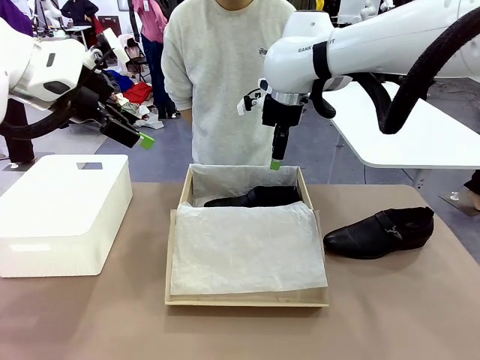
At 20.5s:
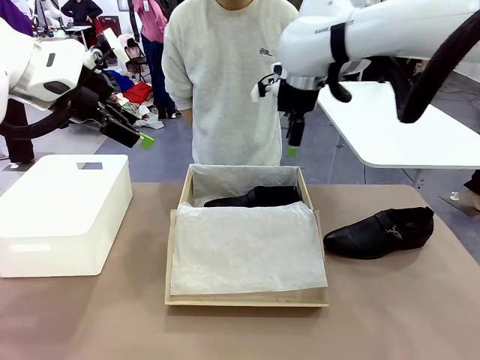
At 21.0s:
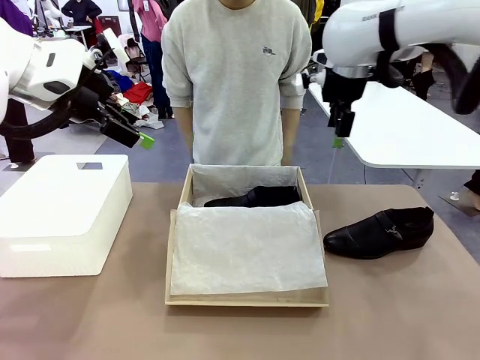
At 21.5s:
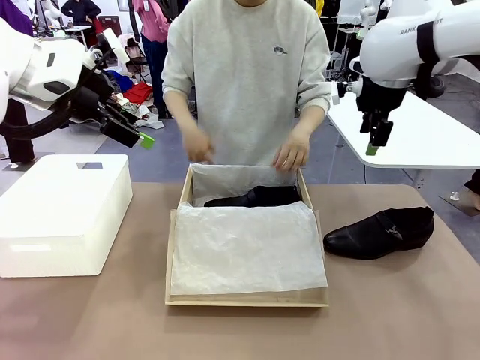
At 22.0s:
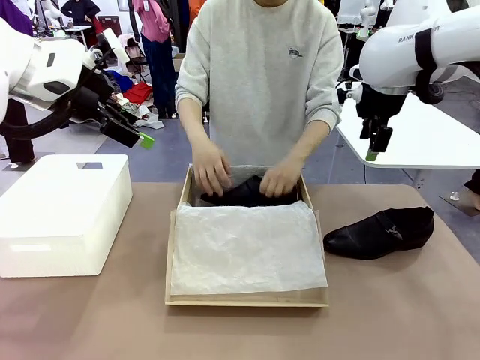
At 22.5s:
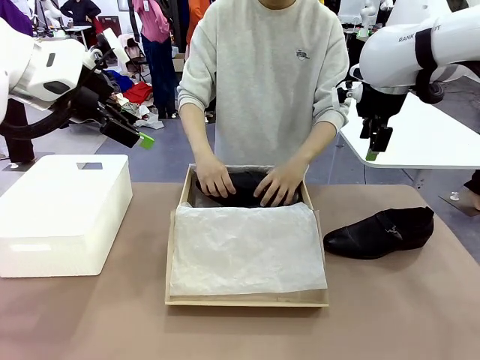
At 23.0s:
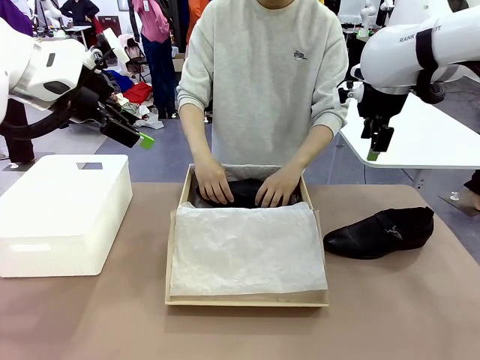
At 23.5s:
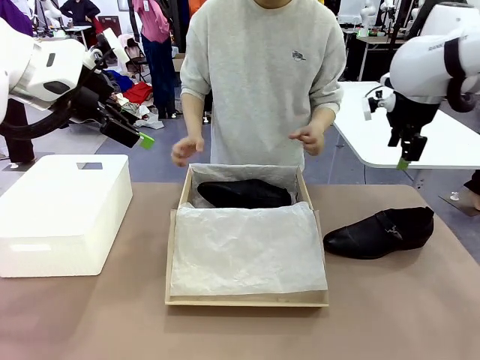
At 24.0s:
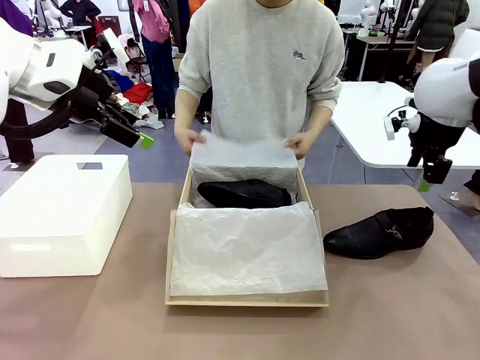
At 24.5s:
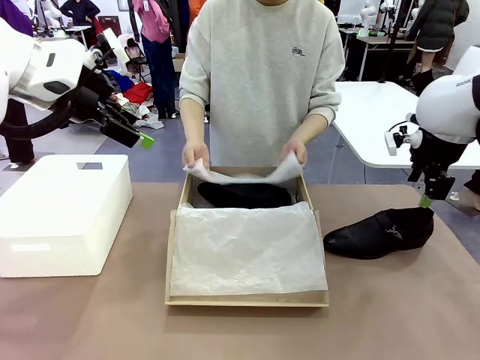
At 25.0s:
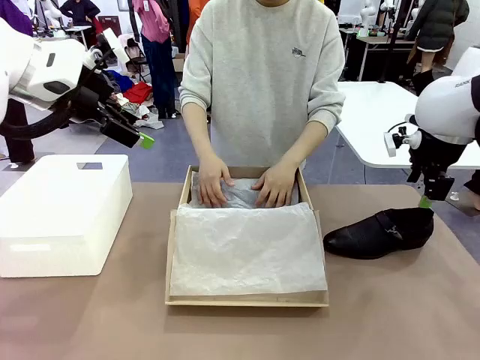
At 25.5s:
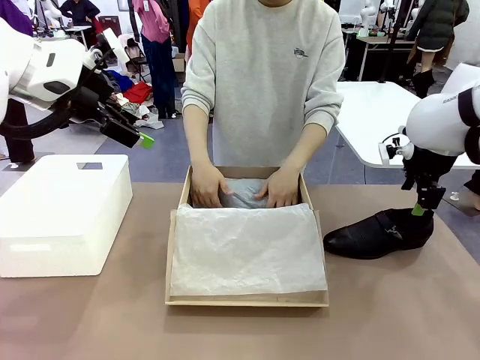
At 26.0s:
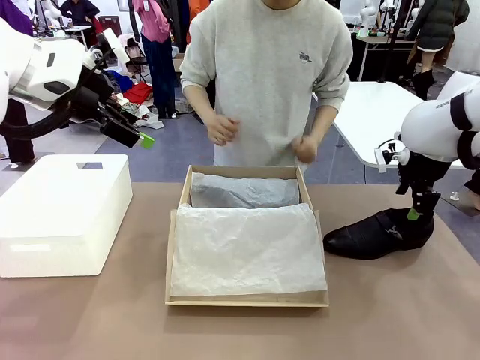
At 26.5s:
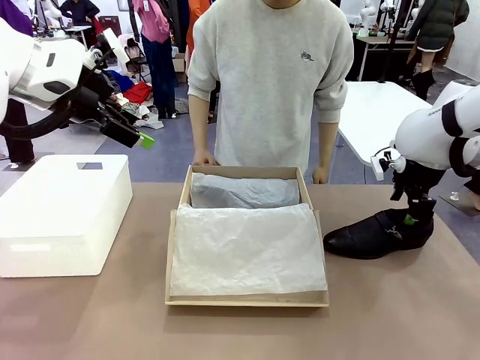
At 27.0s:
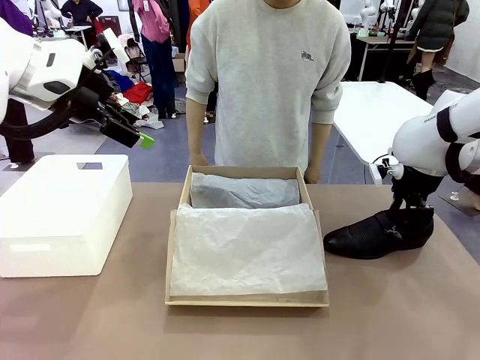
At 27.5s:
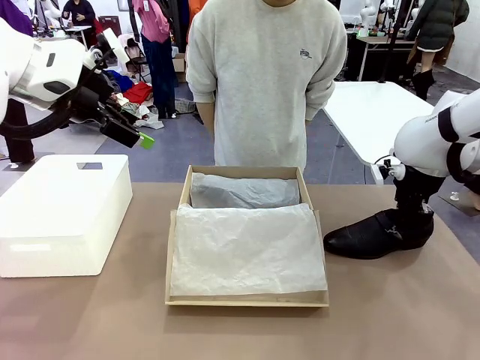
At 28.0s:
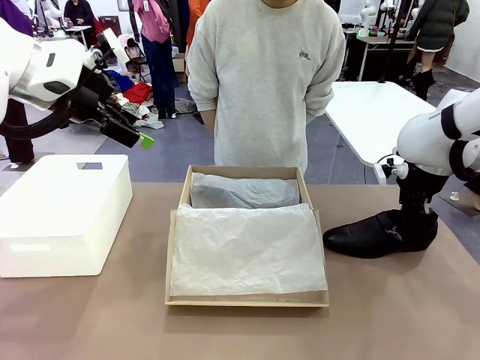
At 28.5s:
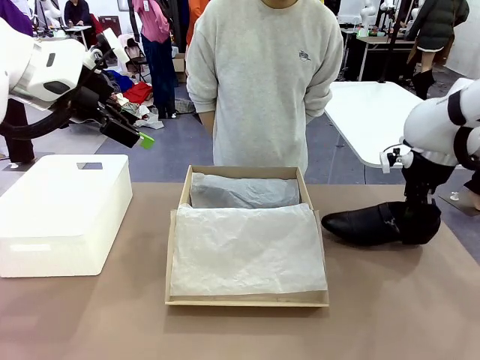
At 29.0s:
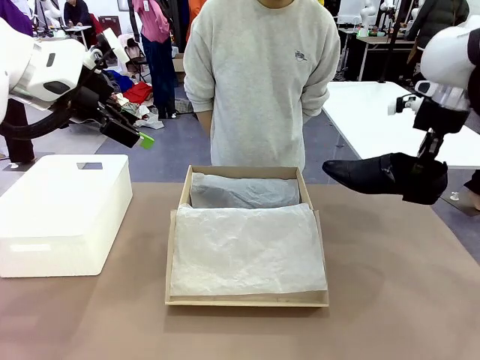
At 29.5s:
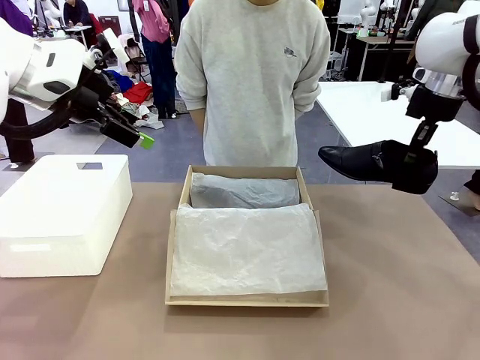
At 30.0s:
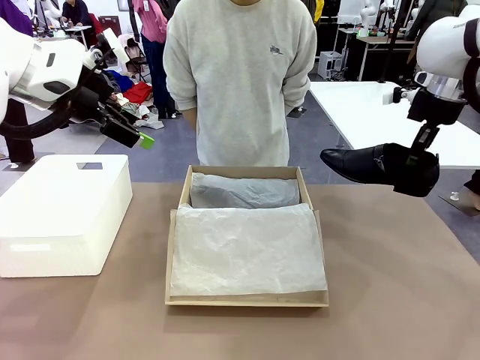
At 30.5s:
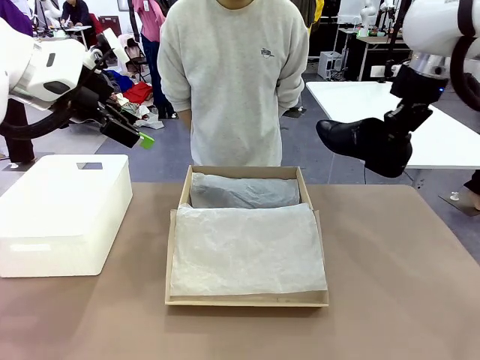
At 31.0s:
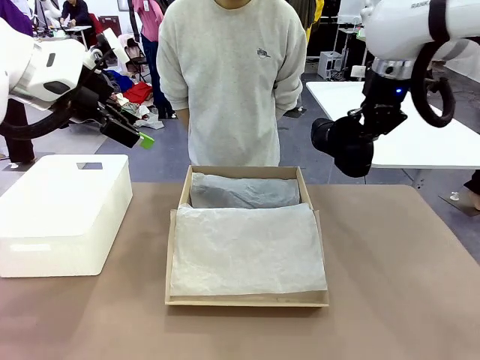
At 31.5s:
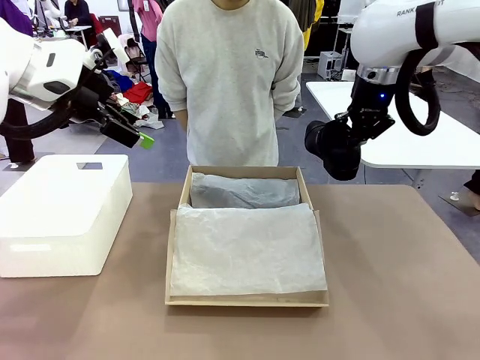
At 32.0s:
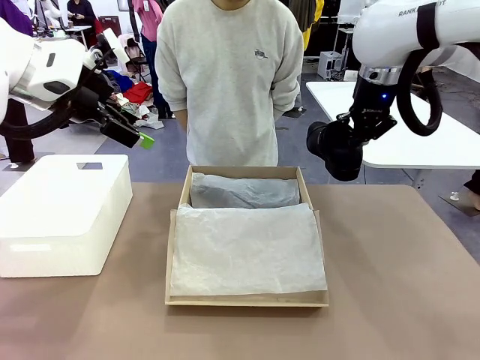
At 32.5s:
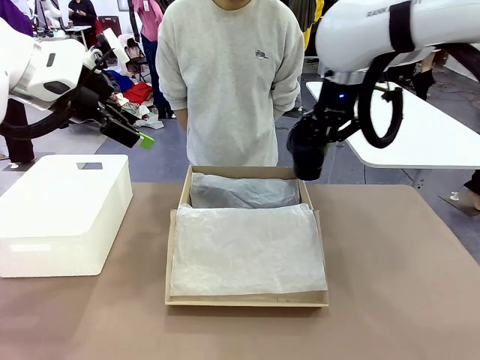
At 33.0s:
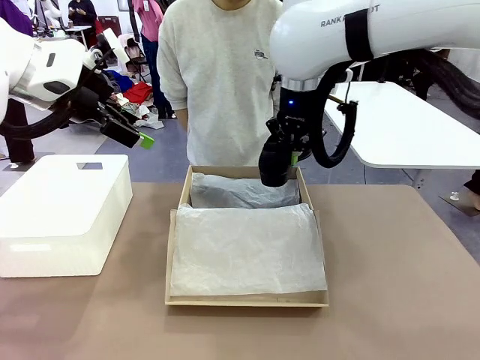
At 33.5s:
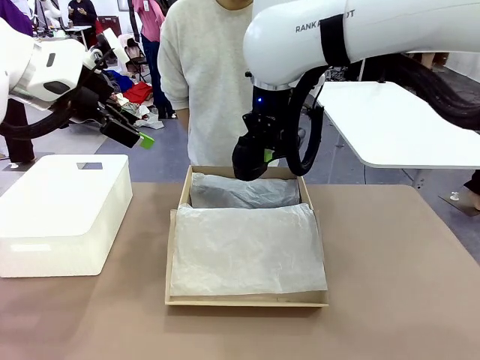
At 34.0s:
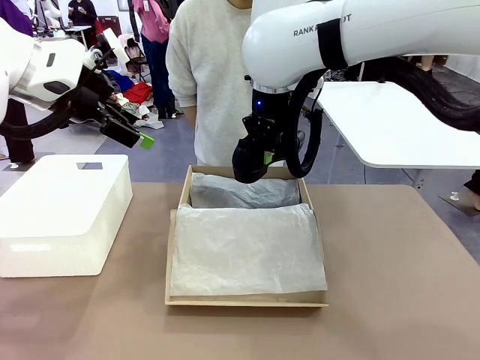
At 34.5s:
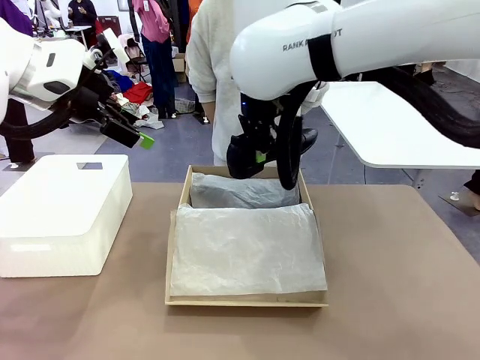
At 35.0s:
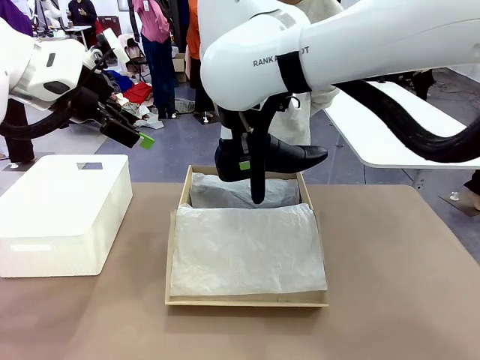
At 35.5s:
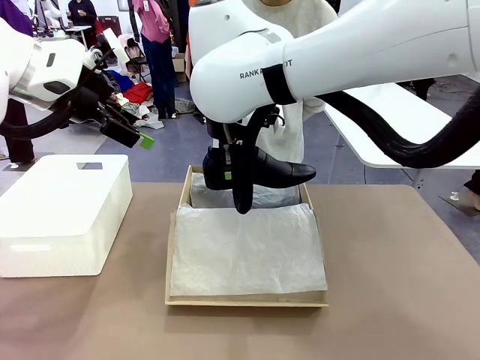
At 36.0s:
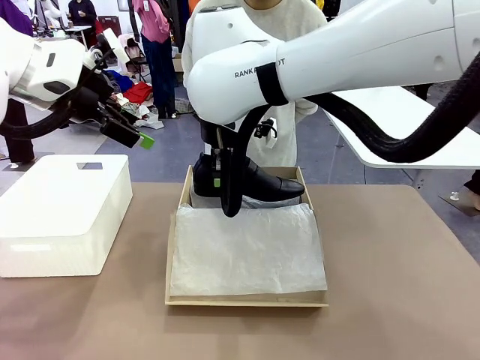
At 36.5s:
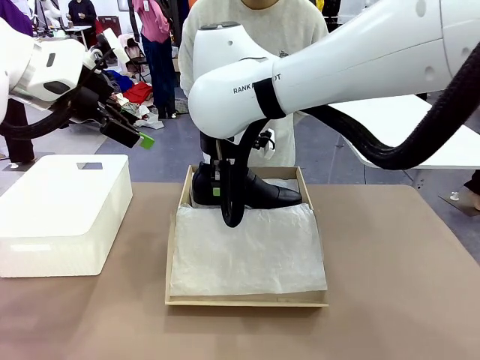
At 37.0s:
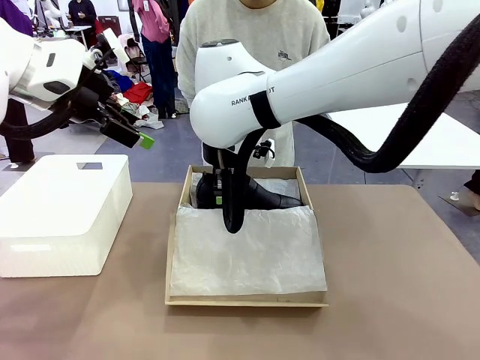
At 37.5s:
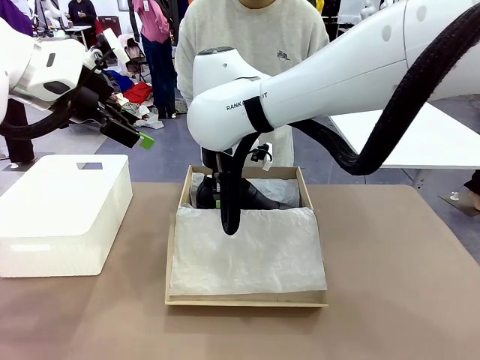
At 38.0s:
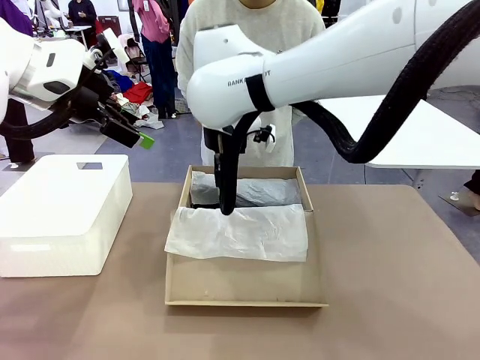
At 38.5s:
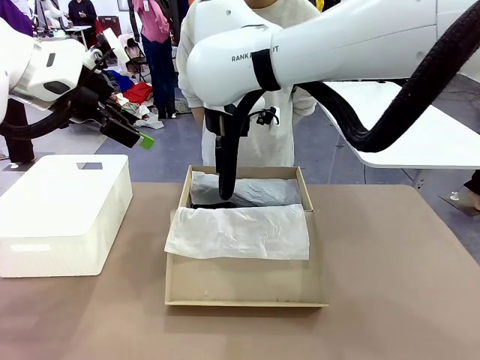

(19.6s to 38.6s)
Task: Pack the shoes into the box.
Robot: Place the other shoe of the Shoes into the Shoes Box.
Person: Pack a shoe of Shoes inside the Shoes Box with Shoes Wrapping Paper.

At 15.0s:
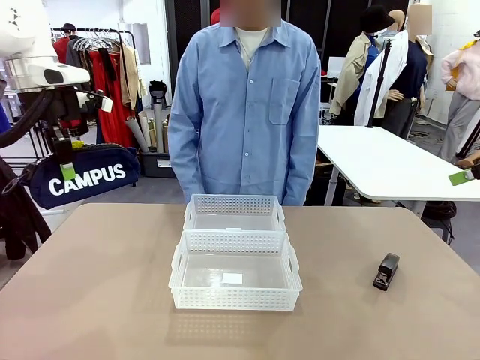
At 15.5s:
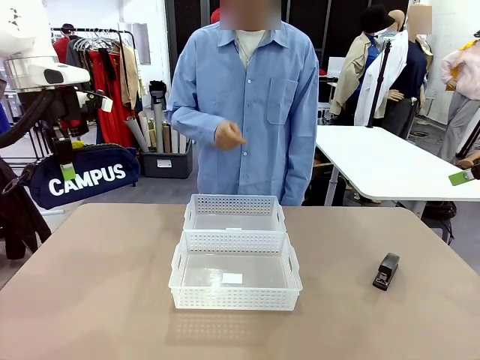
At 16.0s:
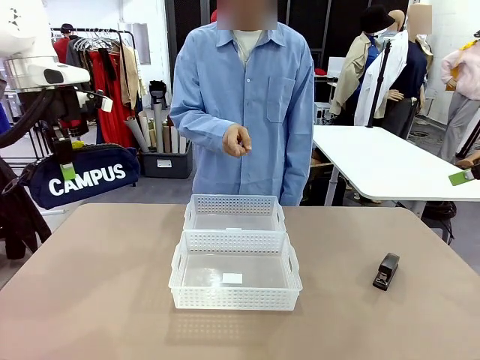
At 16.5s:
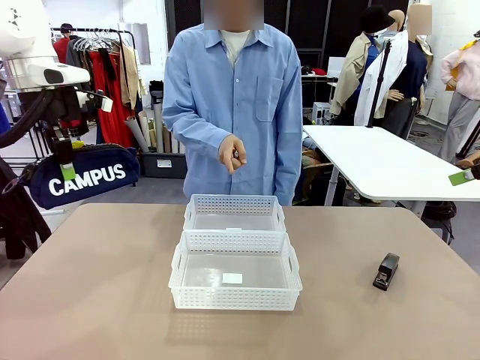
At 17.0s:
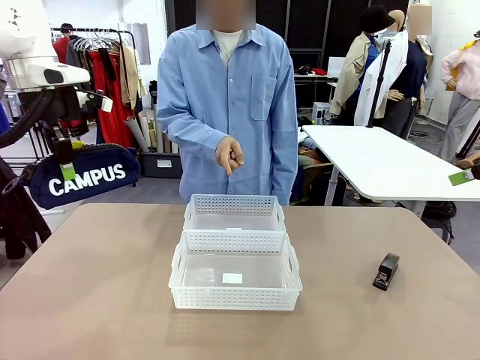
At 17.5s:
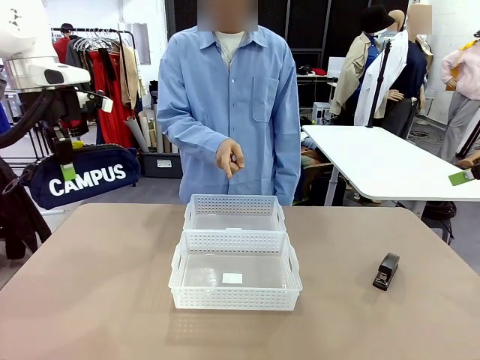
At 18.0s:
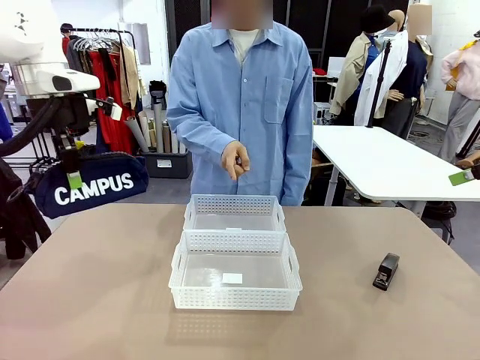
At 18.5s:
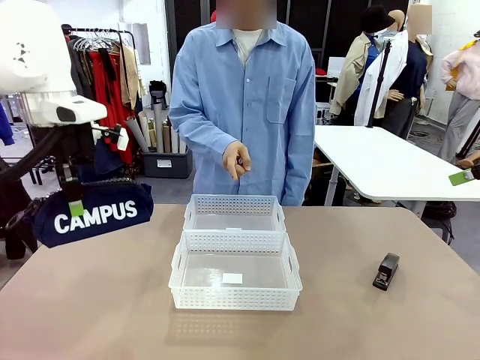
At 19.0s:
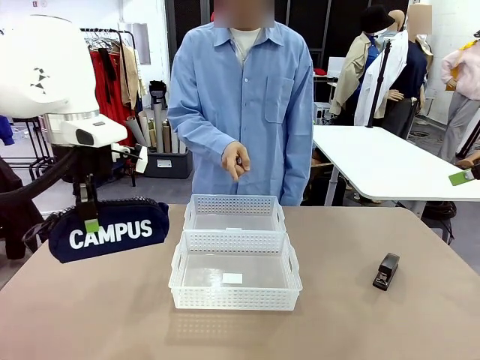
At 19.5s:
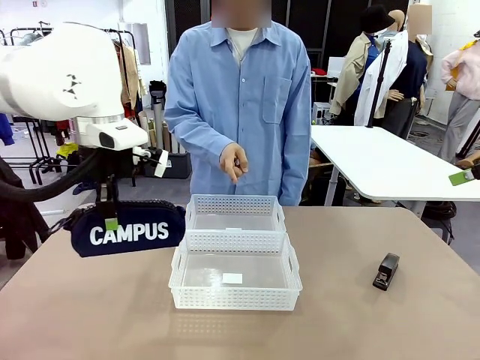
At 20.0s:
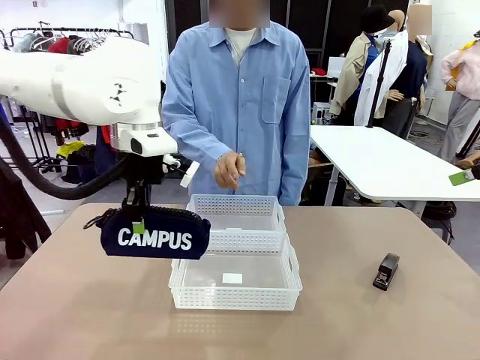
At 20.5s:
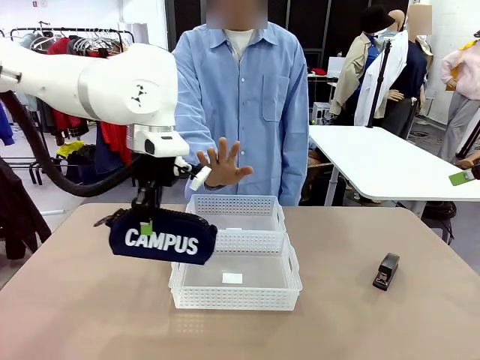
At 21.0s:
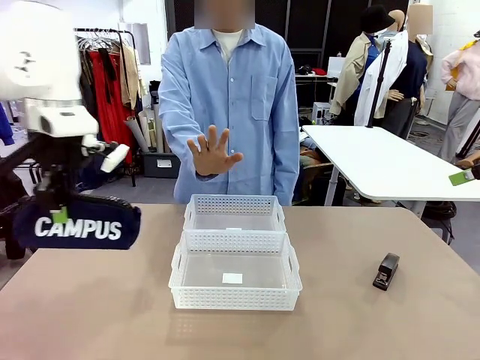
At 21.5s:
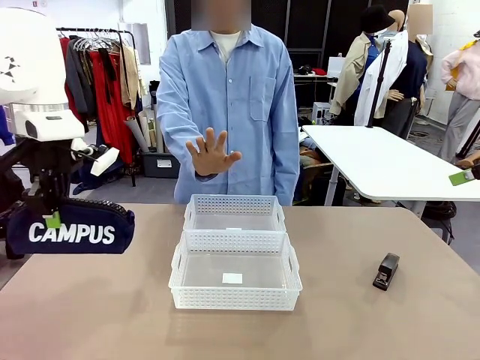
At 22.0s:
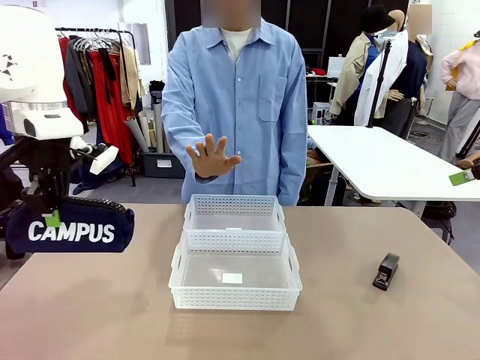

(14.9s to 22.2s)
Task: Distribute items into two baskets.
Robot: Move the picked Pencil pouch towards the Organizing basket indicated by the person, stopping as directed.
Person: Sends a stop gesture before the robot places the pencil case into the basket.
